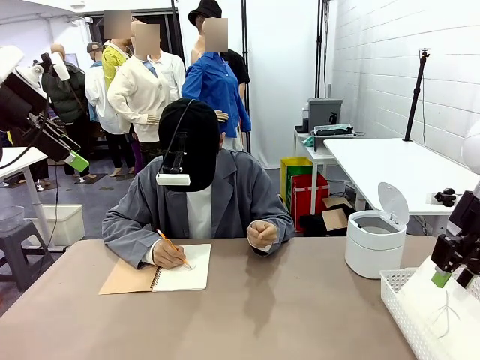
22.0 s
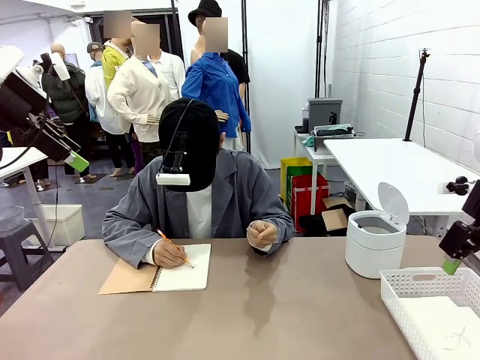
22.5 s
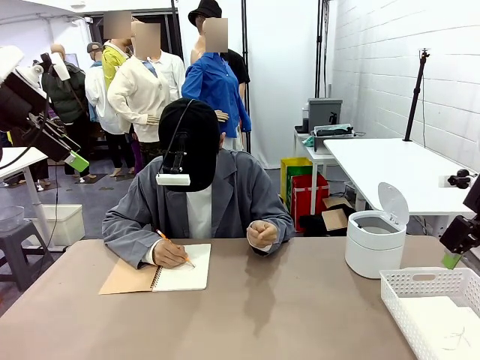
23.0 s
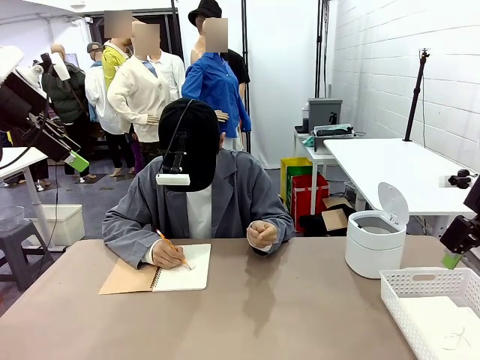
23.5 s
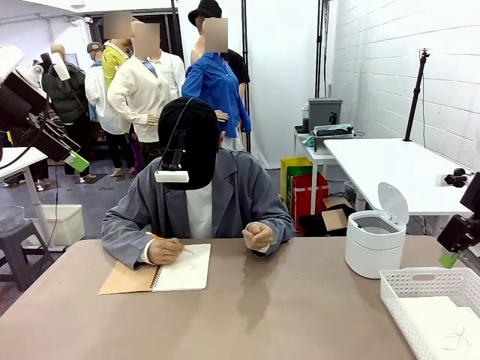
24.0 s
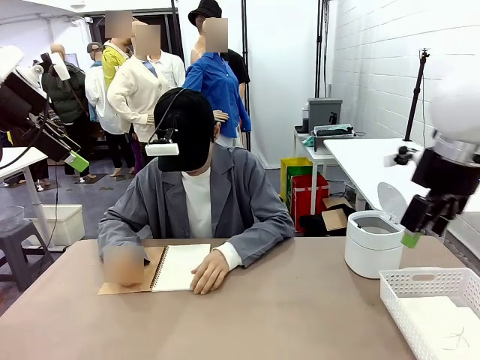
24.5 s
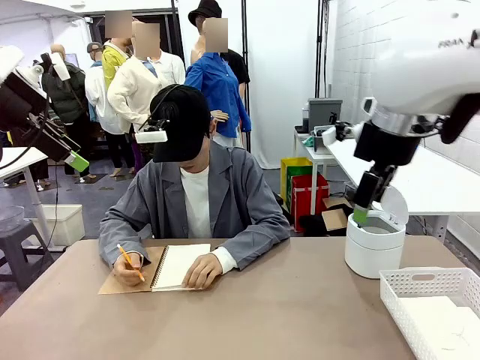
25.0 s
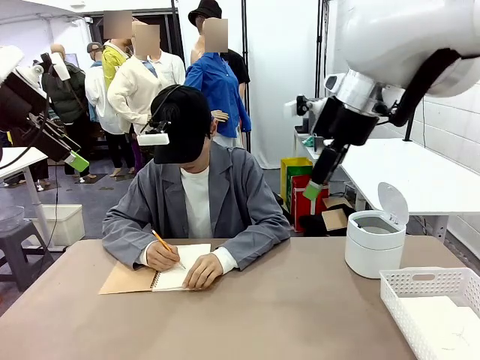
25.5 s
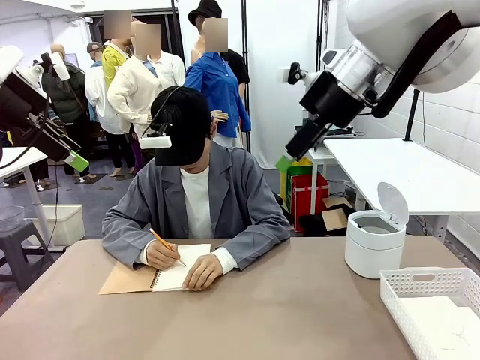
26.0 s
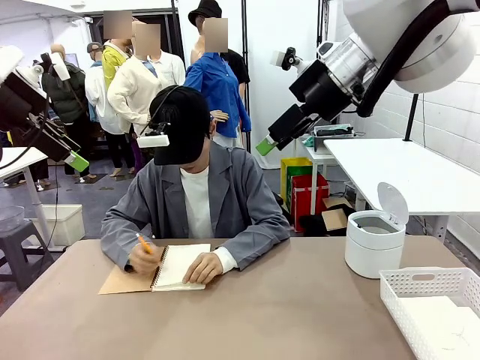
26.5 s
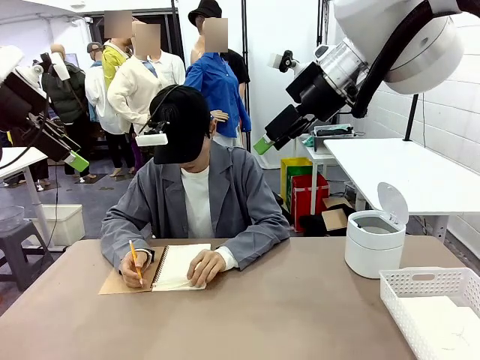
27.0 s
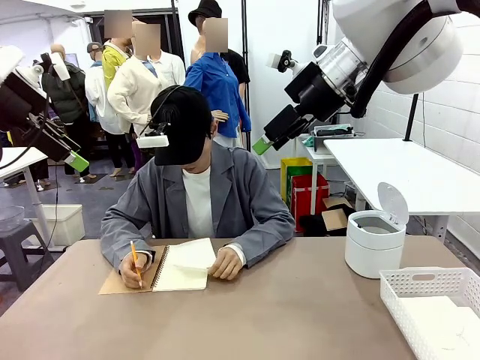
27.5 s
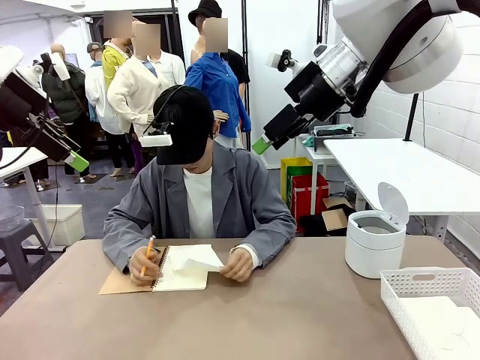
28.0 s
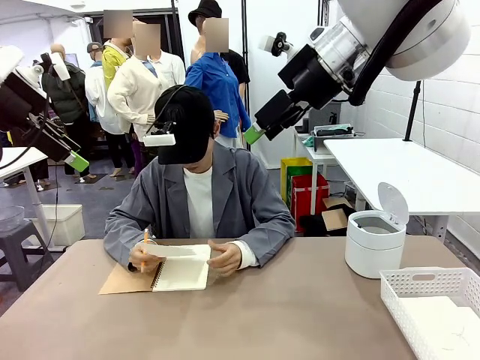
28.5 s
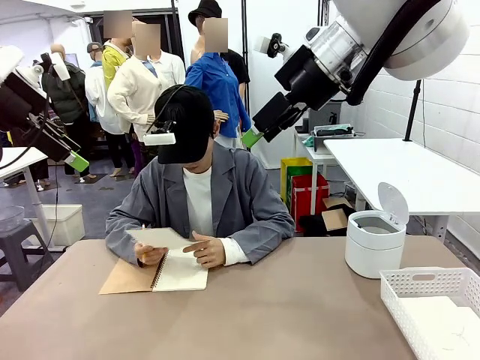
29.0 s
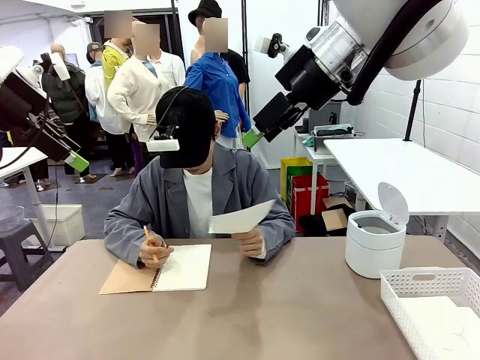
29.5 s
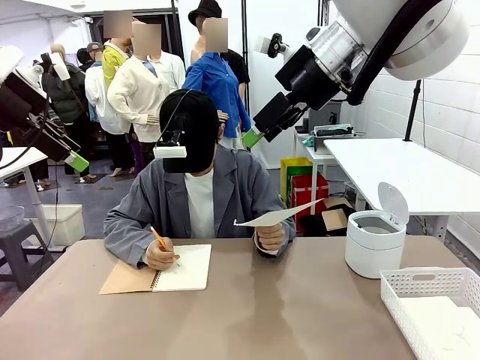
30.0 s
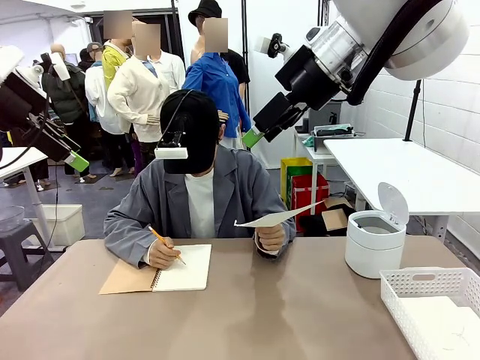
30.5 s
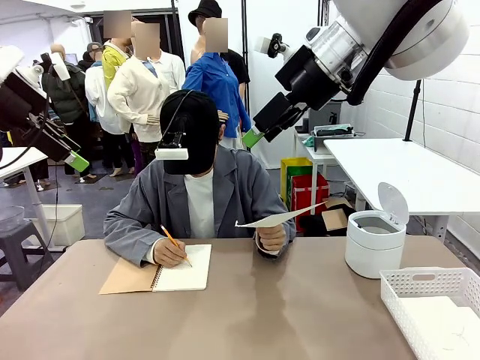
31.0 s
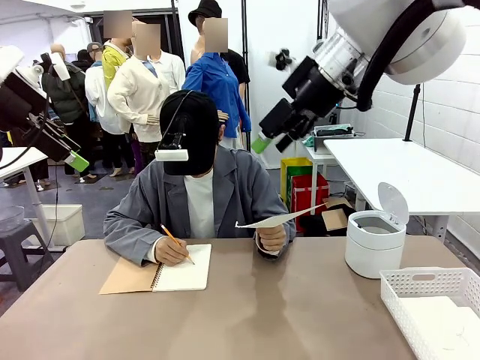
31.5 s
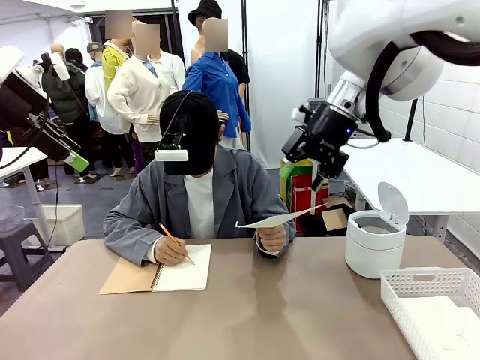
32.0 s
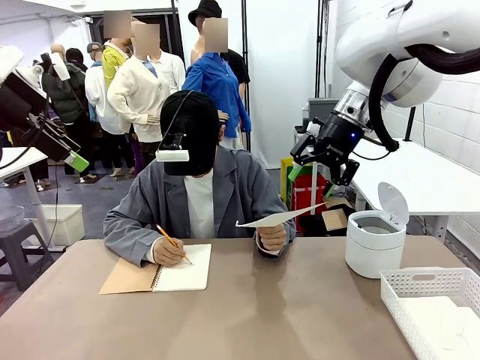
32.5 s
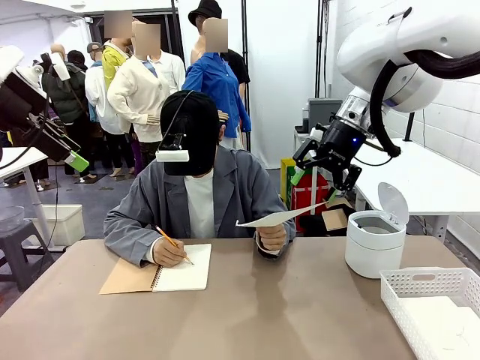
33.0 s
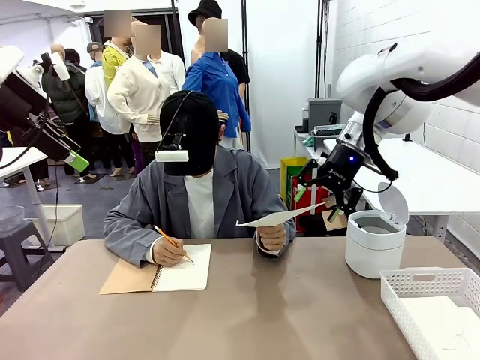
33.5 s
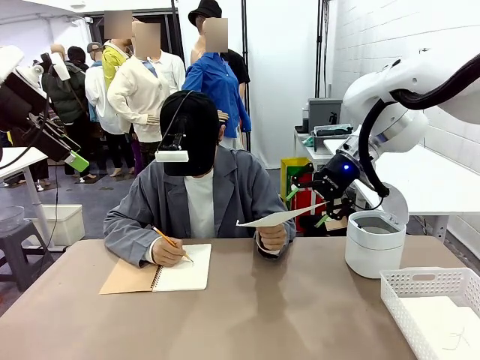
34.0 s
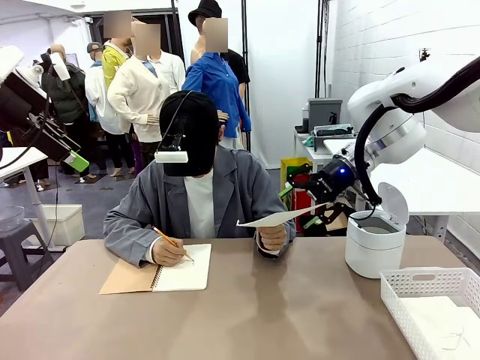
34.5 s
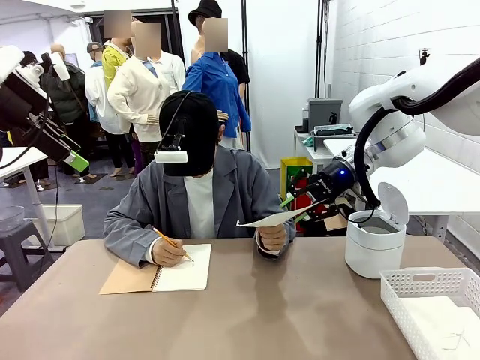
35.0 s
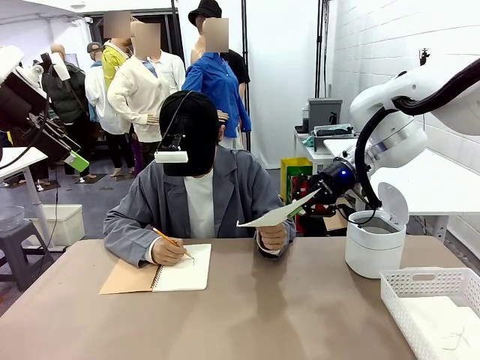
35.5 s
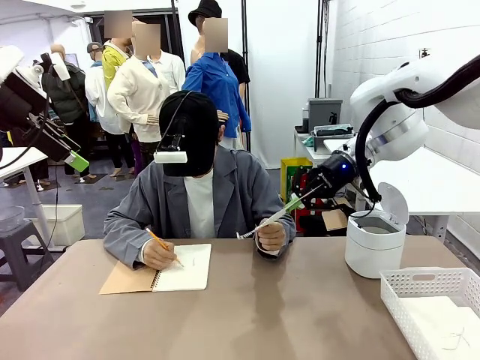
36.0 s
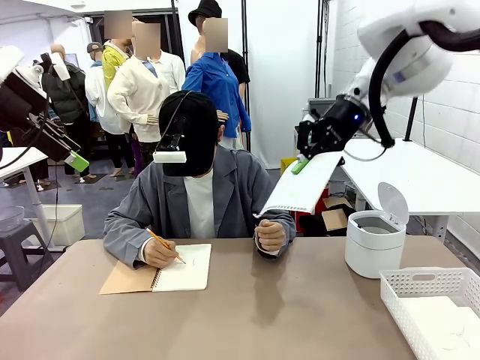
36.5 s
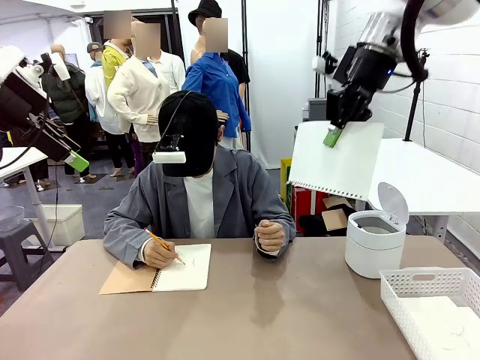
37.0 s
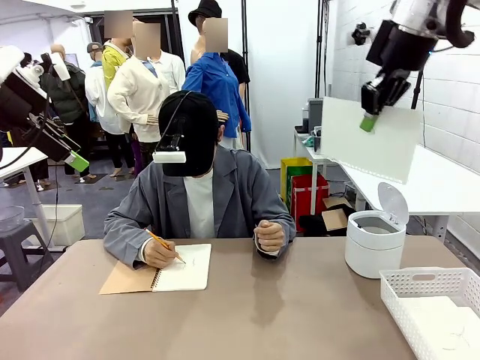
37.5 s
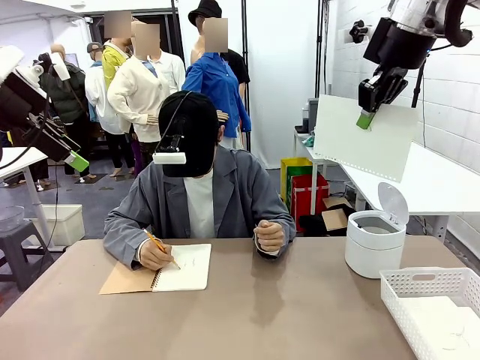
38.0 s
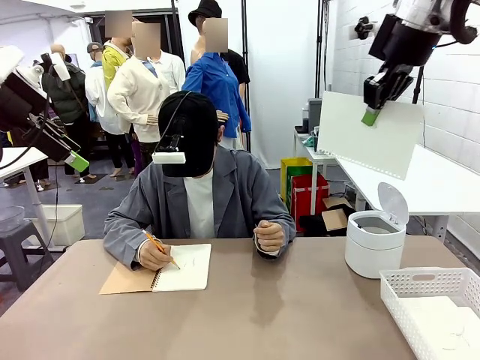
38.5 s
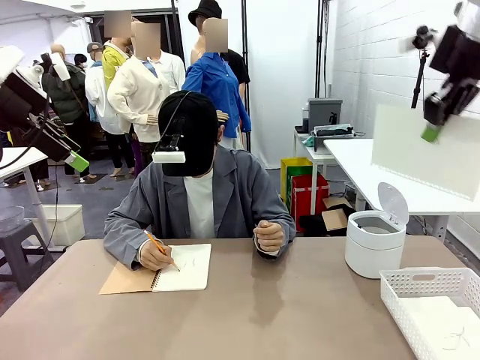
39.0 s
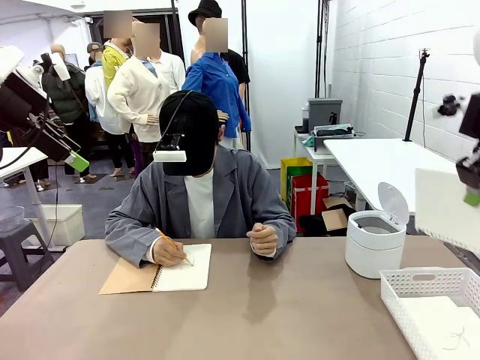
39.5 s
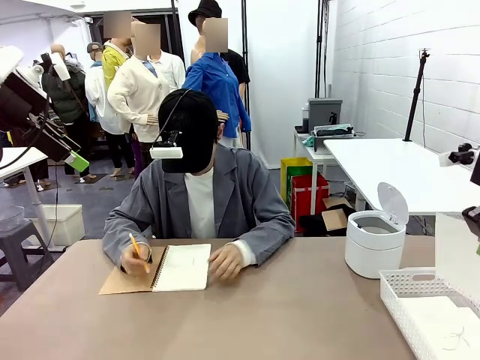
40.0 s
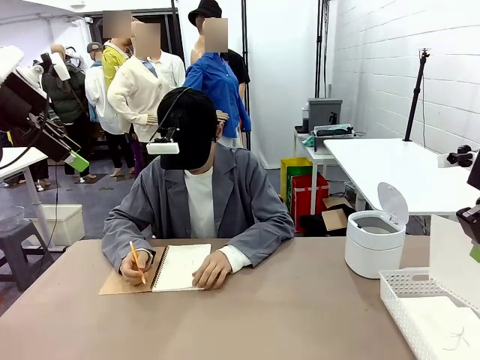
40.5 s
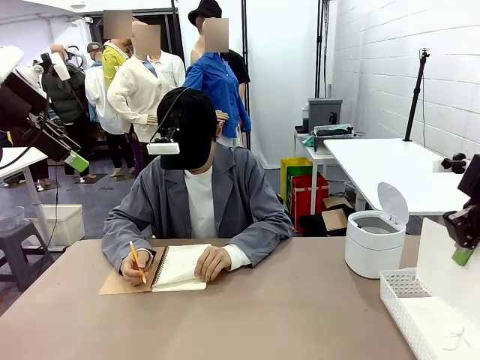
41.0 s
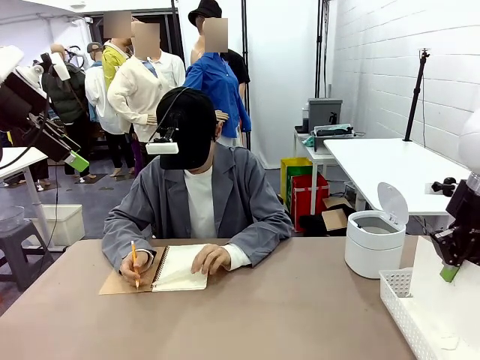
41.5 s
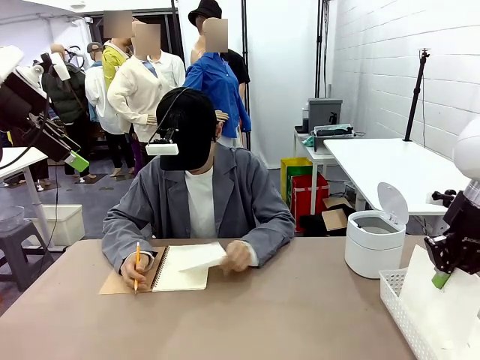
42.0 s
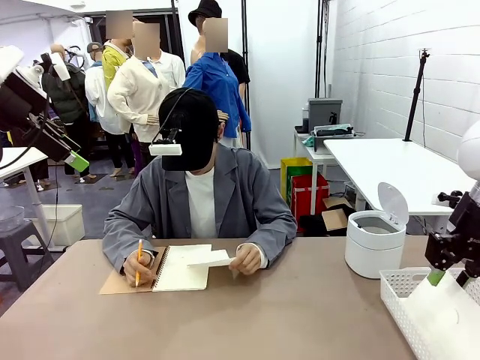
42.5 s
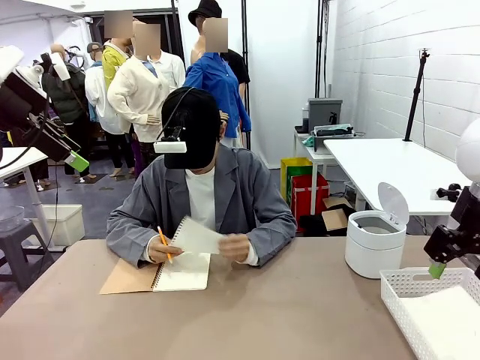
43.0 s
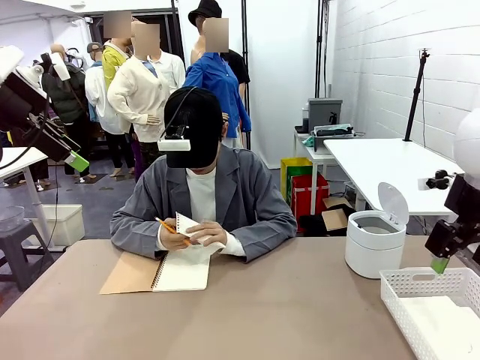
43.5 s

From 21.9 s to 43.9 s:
Task: Sort the paper based on its condition.
Robot: If a person hands you a paper, place it in the Organizing basket , and if it's crumpled, put it in the Trash can.
Person: Hand the torn page to the robot or crumple it and throw it to the center of the table. Tear out a page from the spiral notebook.
